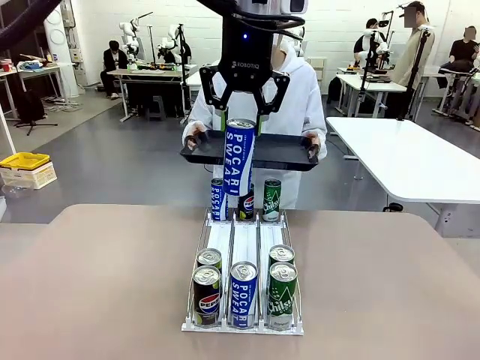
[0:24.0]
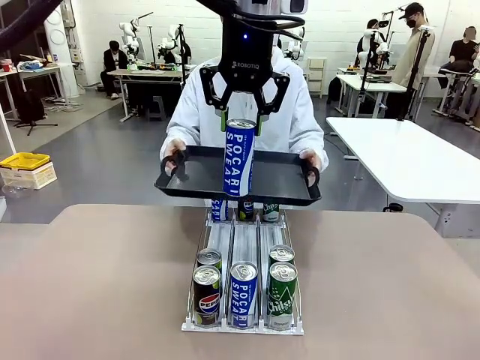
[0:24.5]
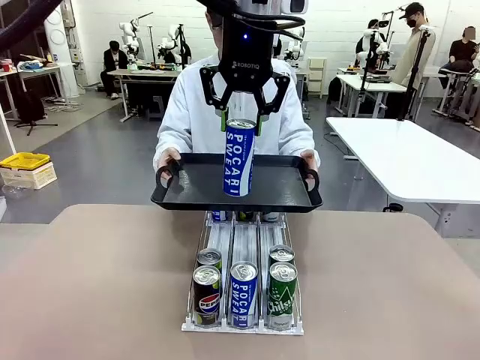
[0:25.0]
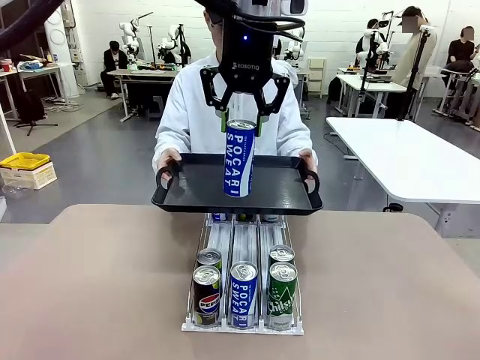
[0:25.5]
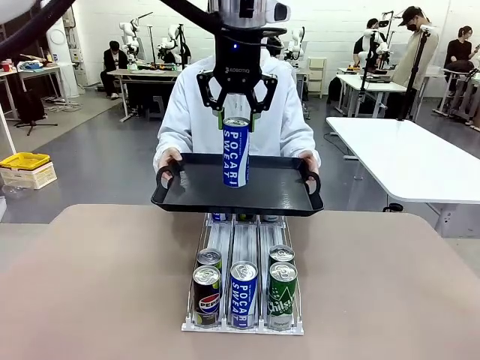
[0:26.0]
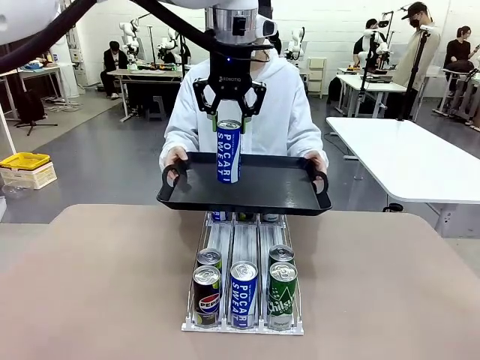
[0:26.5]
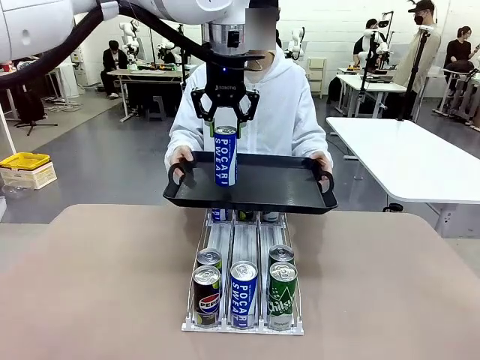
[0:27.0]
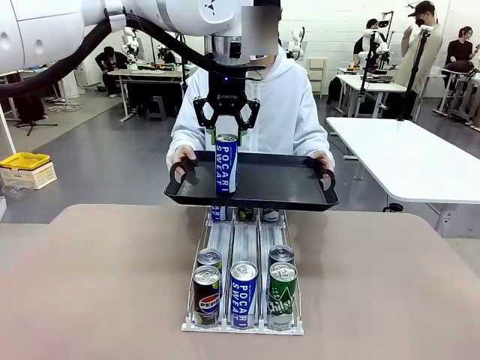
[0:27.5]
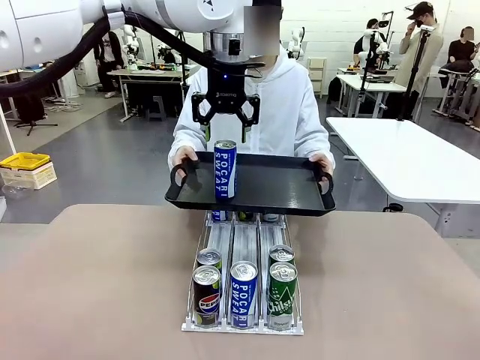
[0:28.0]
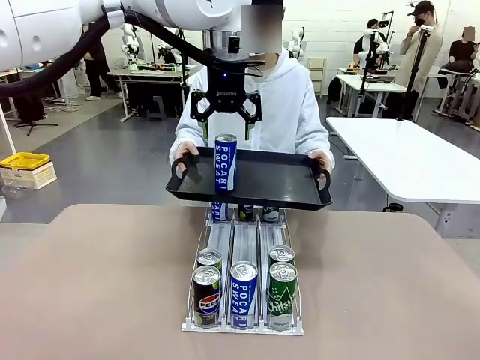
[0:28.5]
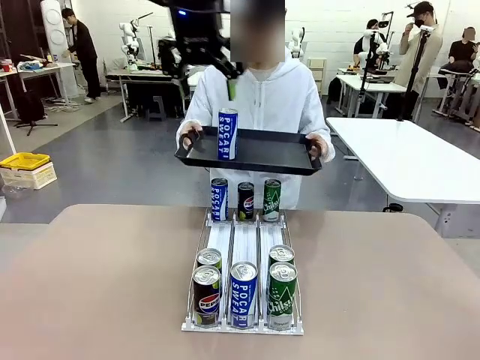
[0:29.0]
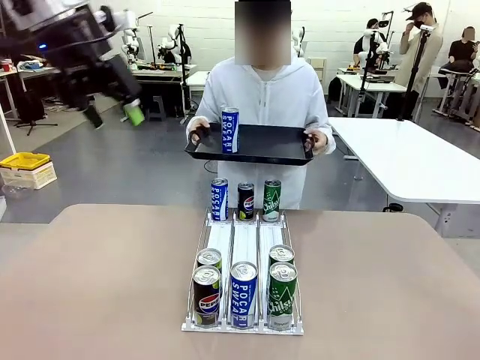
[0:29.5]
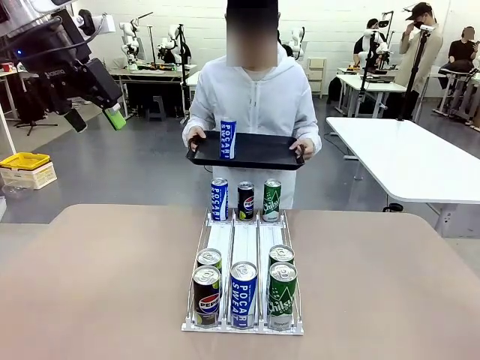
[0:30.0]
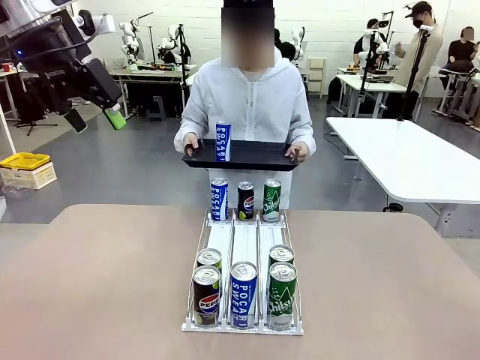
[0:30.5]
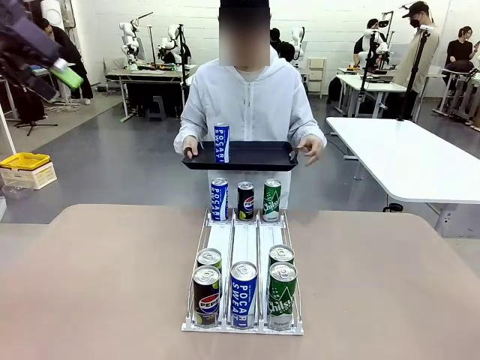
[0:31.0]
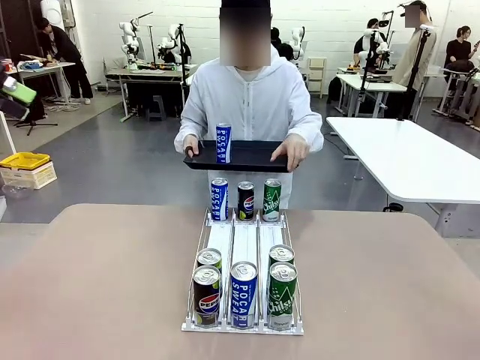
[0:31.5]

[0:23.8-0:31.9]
Task: Retrieve and hand over the desired beverage to the person.
Robot: Place the picked can on the Handle tray extended by the person.
Person: Pull the tray back, then pick up another can from the bottom area of the table and puts it back in its original place.

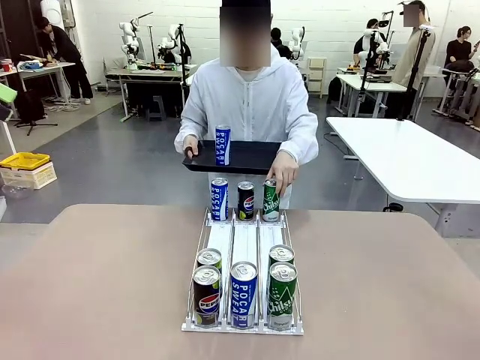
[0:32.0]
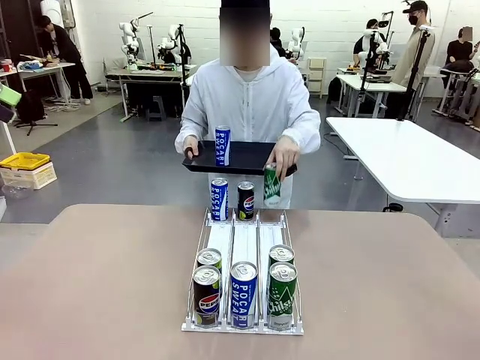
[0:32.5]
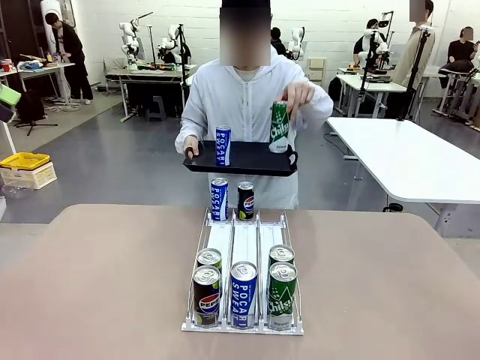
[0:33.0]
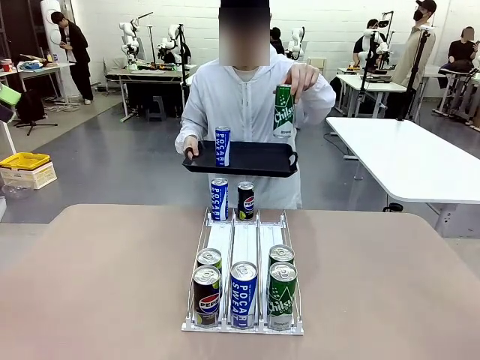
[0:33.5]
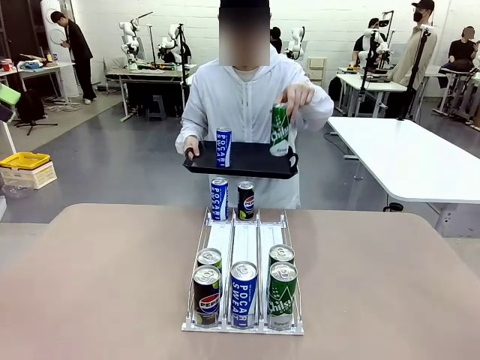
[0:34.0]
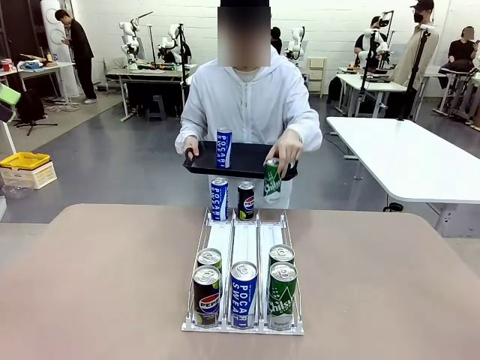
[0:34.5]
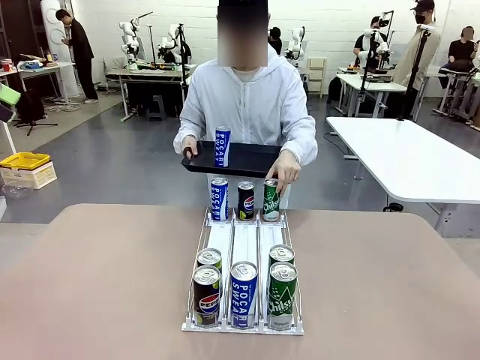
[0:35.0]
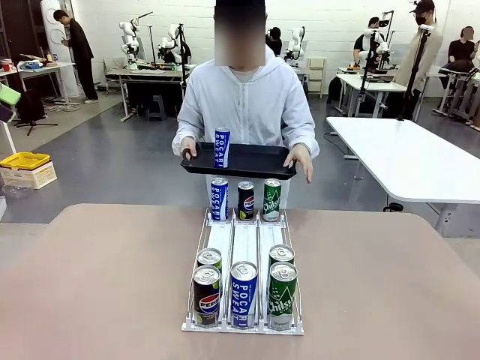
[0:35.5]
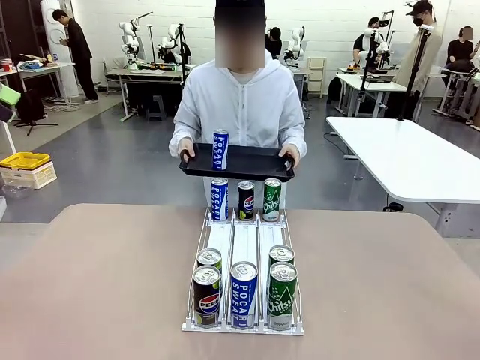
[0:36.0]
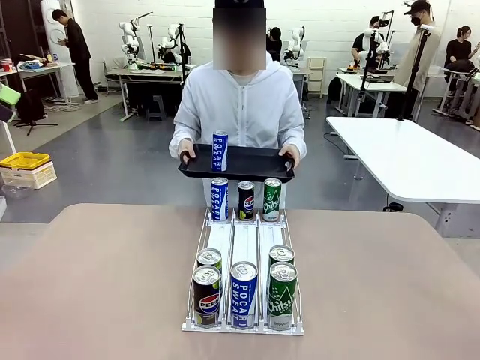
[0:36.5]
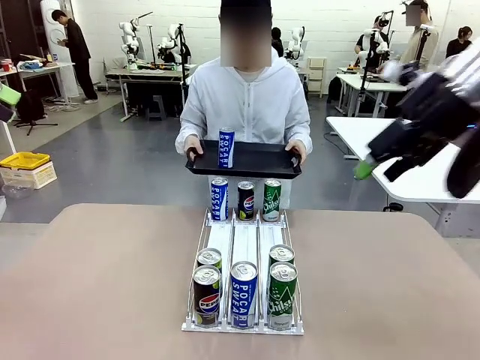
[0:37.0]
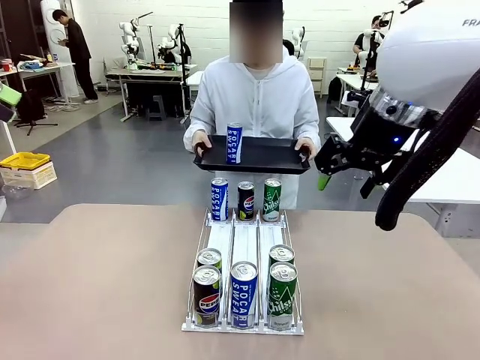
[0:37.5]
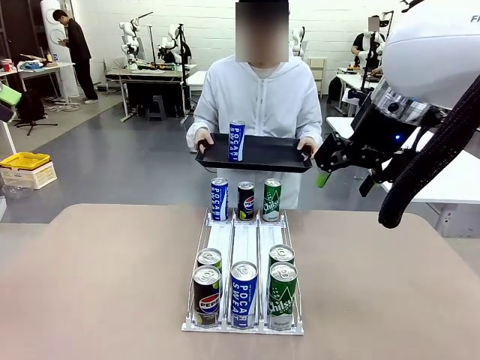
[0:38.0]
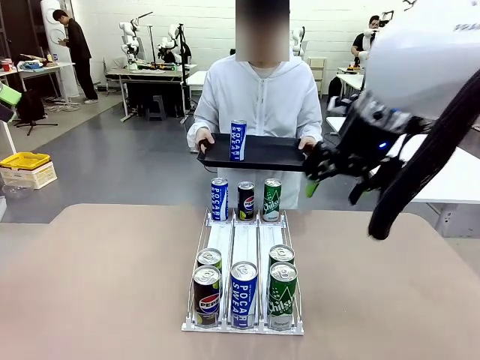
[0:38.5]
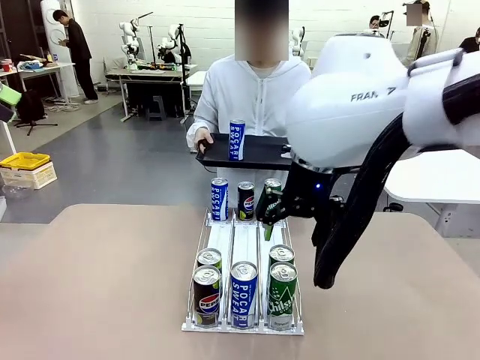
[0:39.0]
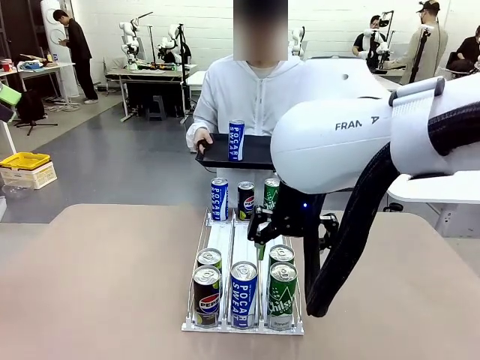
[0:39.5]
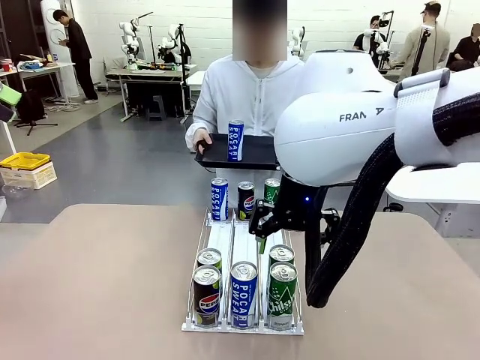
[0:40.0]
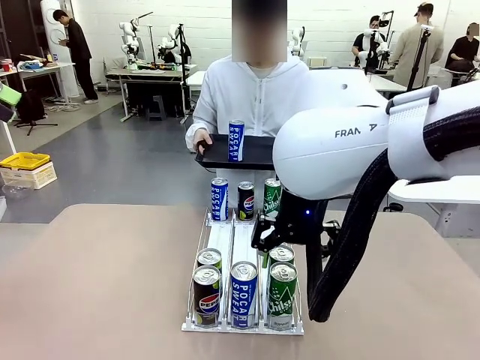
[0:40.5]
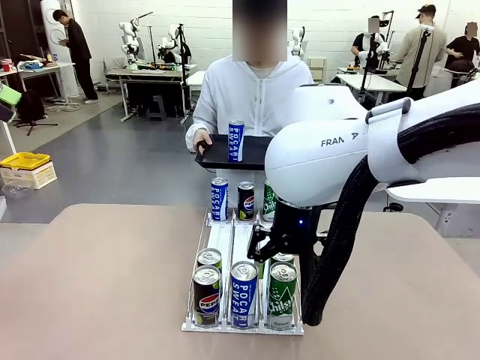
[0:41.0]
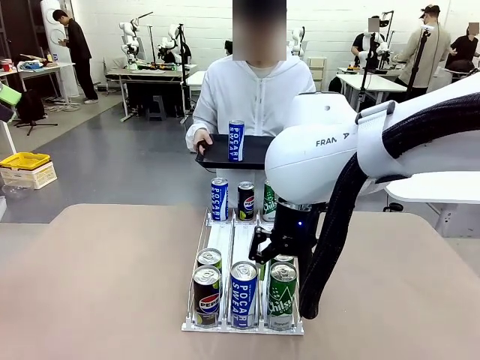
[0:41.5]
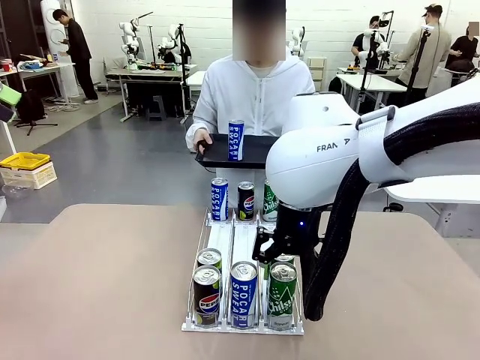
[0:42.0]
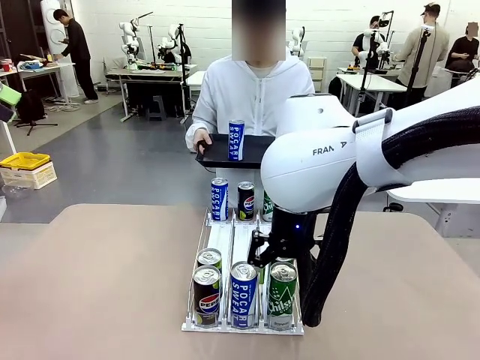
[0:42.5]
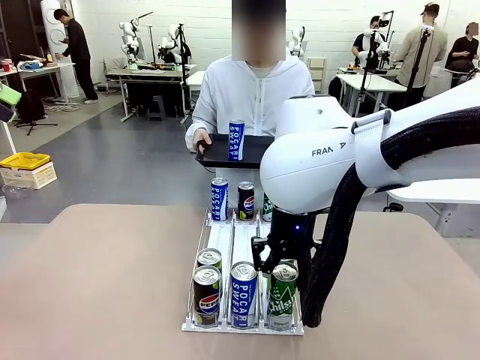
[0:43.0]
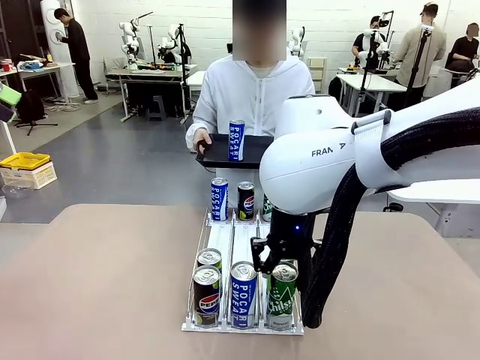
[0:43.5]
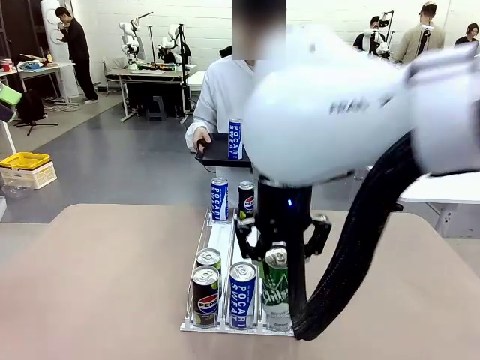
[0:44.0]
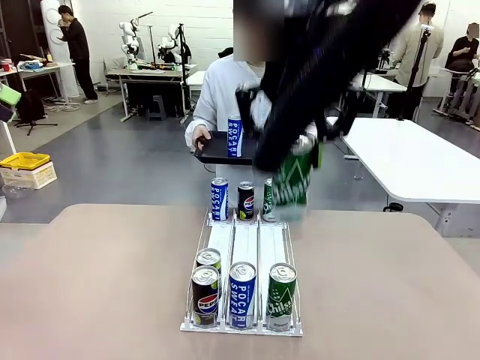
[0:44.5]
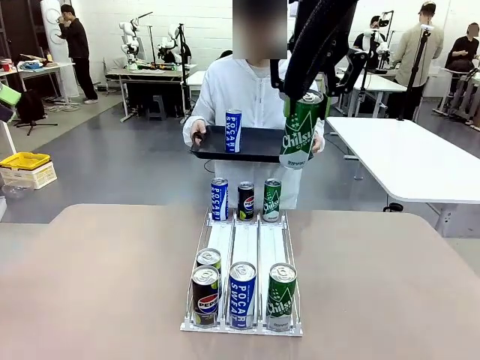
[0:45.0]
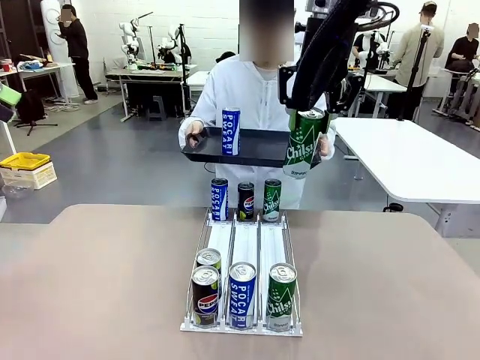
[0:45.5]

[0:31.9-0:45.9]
Robot: Pick up another can of the same type that the person held from the Automatic Can Dispenser.
Person: Push the tray toward the robot again.

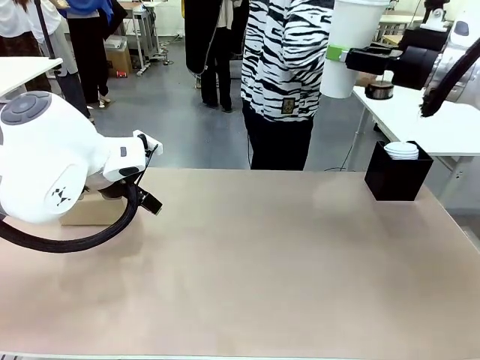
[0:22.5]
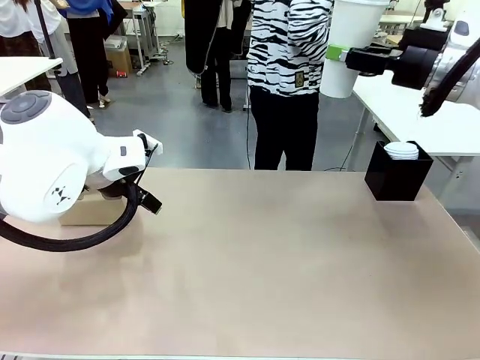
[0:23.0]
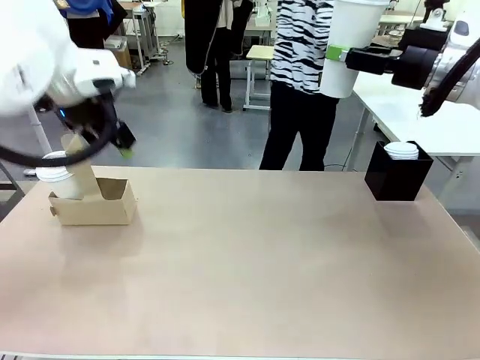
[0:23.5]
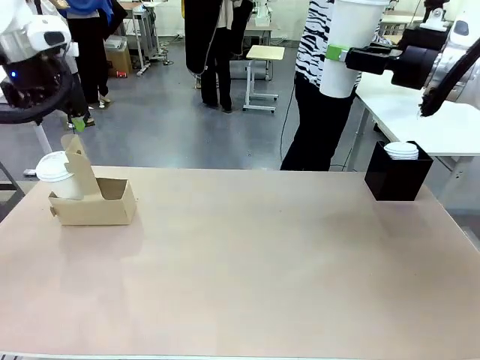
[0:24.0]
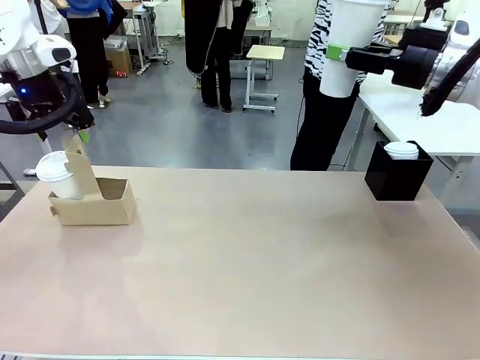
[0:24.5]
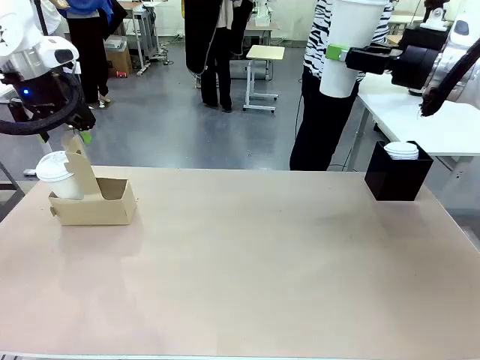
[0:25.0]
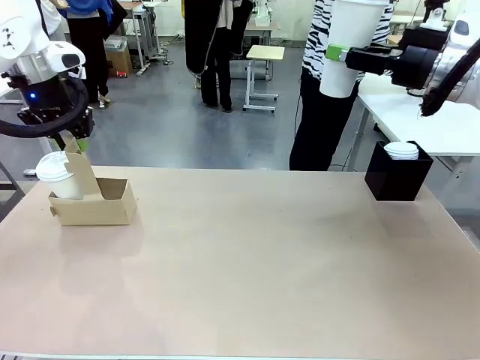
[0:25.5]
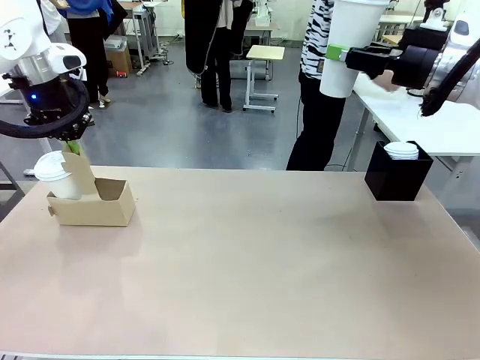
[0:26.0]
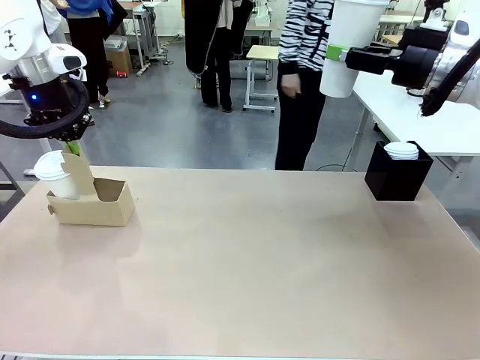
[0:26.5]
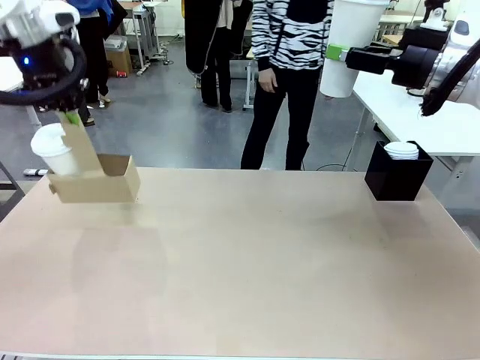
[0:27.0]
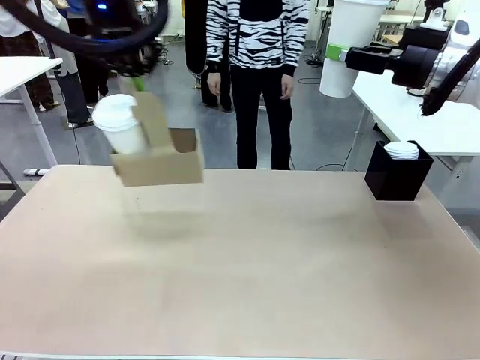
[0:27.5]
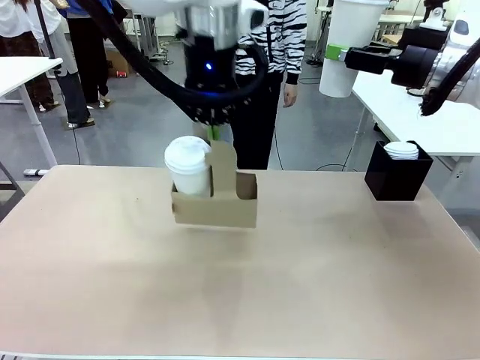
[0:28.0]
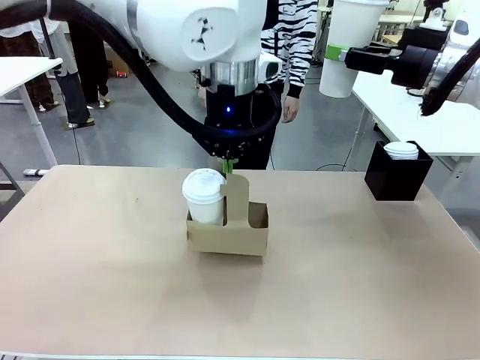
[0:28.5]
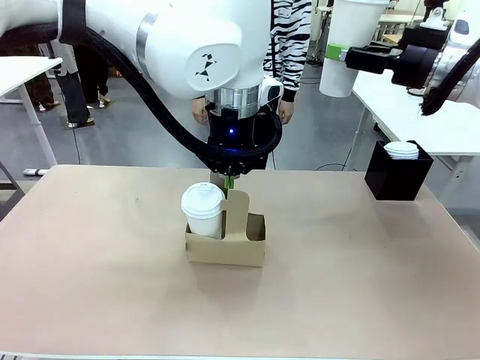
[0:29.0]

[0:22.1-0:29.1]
Task: Pour a drink into a cup and package it in a carrier.
Robot: Position the Cup Carrier in the center of the table.
Person: Pick up the Filter Brewing and place on the middle of Human table, and return to the Robot table.
